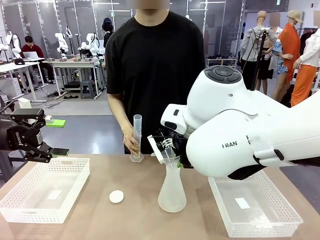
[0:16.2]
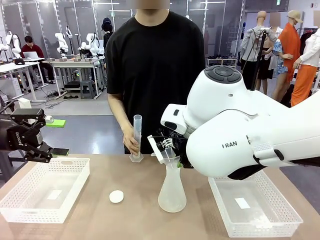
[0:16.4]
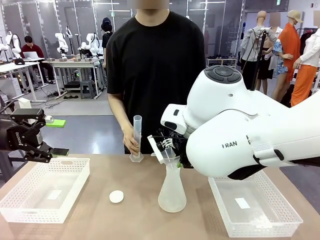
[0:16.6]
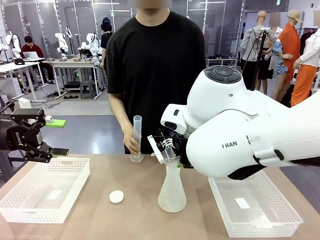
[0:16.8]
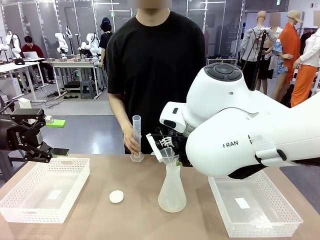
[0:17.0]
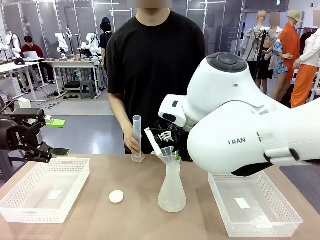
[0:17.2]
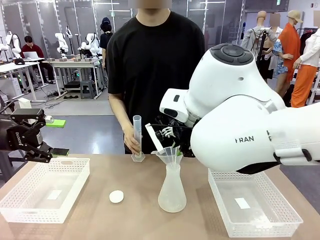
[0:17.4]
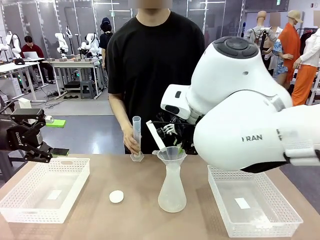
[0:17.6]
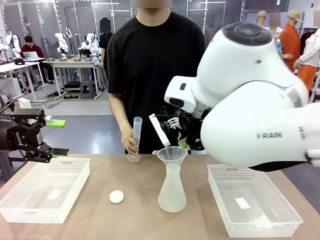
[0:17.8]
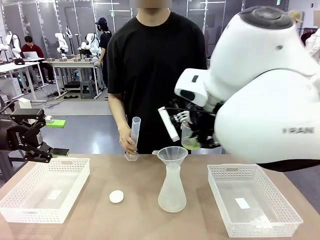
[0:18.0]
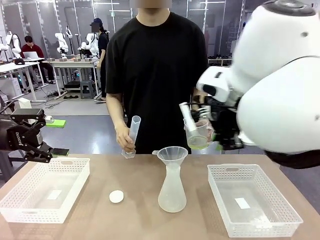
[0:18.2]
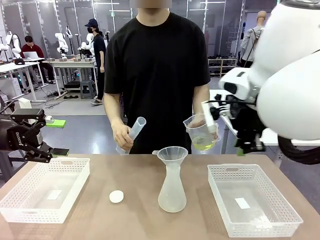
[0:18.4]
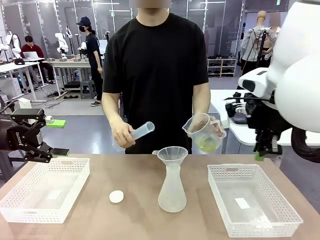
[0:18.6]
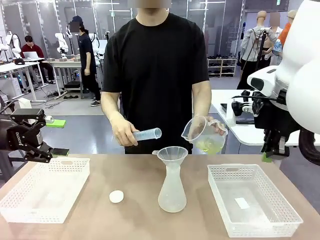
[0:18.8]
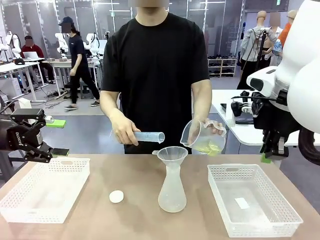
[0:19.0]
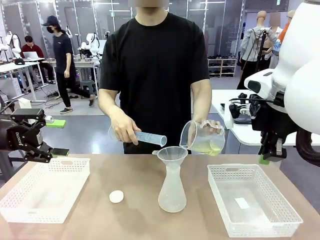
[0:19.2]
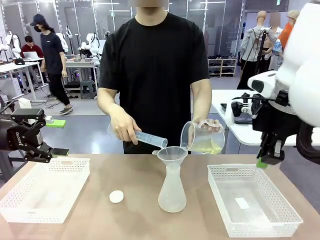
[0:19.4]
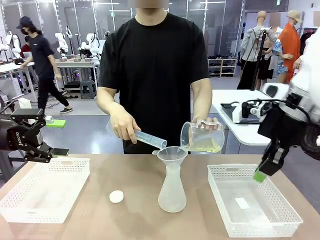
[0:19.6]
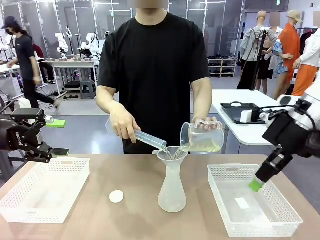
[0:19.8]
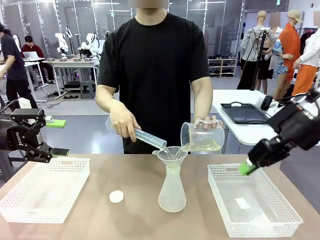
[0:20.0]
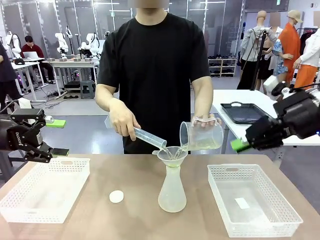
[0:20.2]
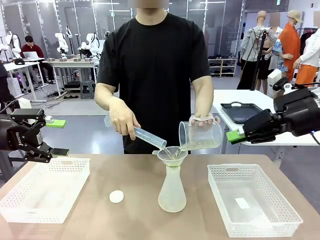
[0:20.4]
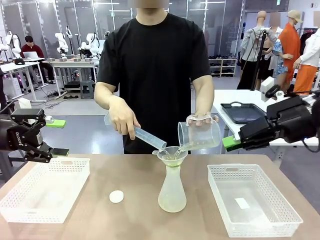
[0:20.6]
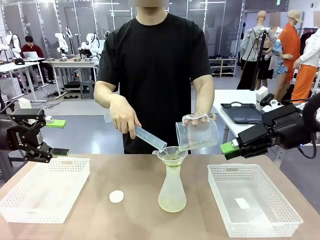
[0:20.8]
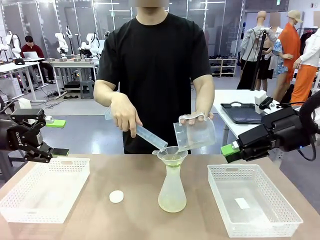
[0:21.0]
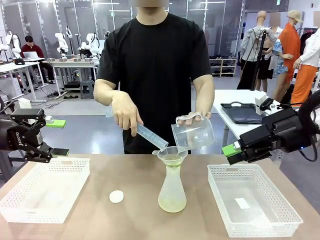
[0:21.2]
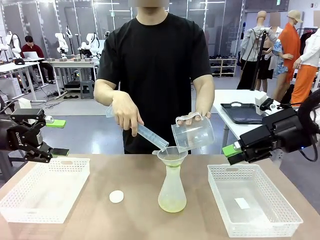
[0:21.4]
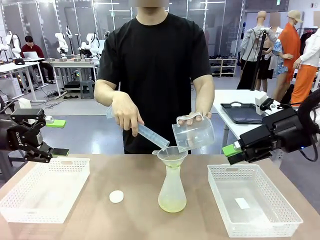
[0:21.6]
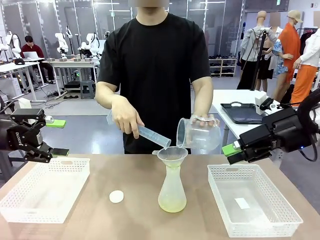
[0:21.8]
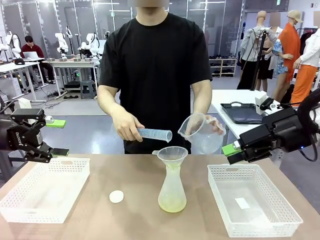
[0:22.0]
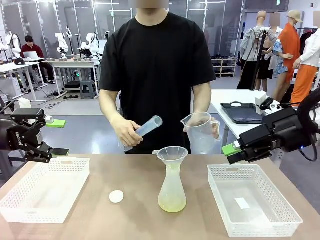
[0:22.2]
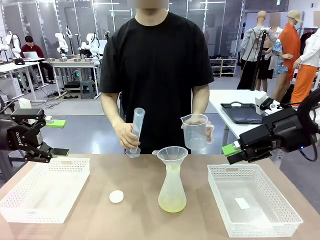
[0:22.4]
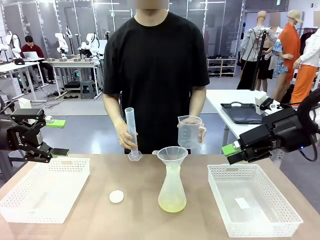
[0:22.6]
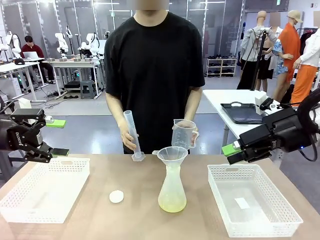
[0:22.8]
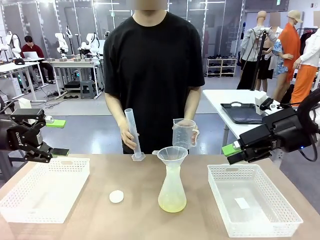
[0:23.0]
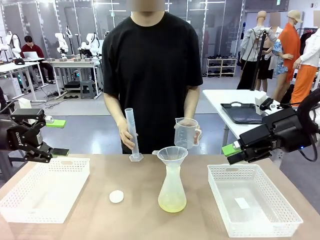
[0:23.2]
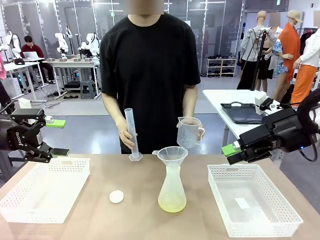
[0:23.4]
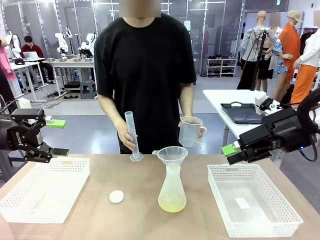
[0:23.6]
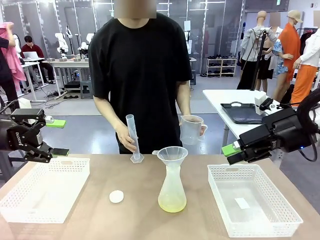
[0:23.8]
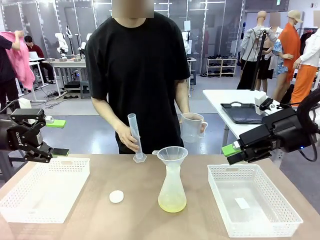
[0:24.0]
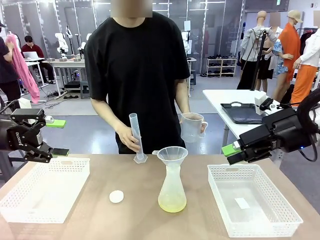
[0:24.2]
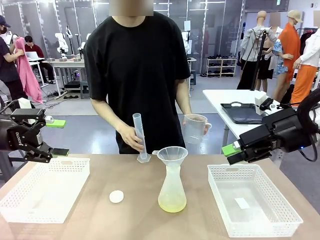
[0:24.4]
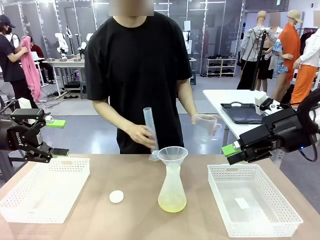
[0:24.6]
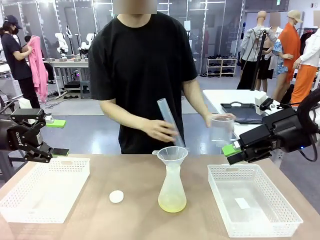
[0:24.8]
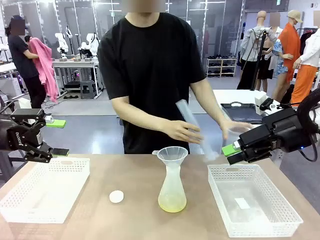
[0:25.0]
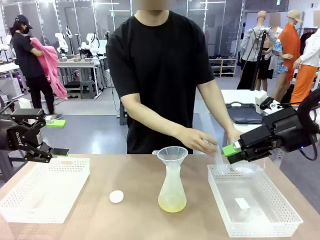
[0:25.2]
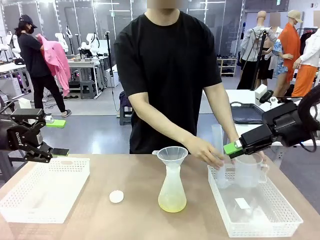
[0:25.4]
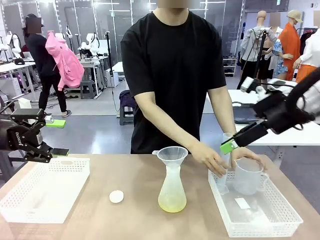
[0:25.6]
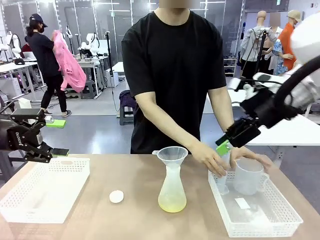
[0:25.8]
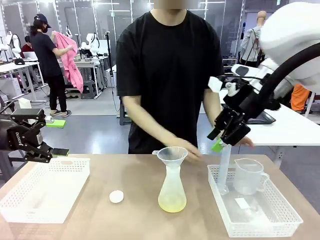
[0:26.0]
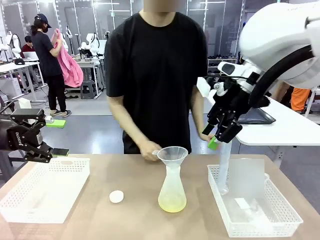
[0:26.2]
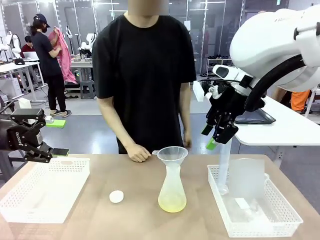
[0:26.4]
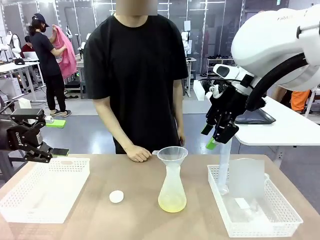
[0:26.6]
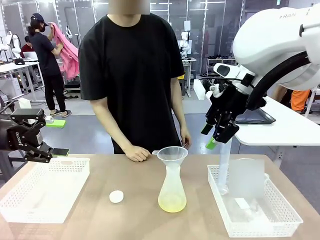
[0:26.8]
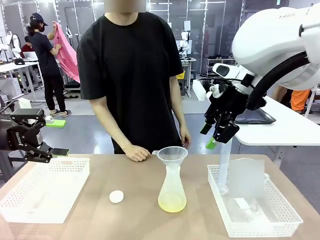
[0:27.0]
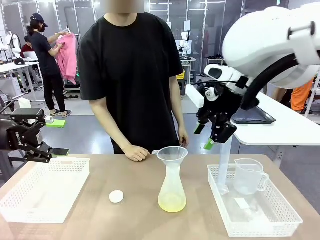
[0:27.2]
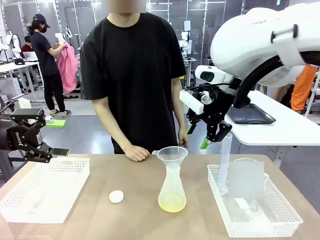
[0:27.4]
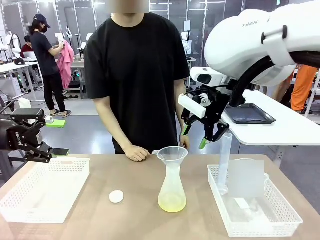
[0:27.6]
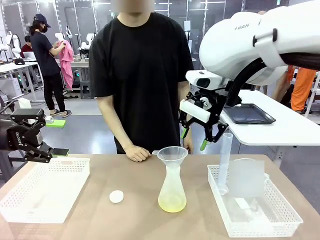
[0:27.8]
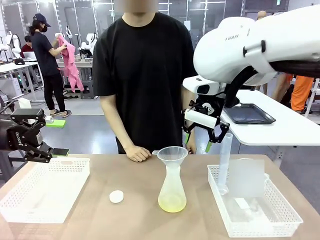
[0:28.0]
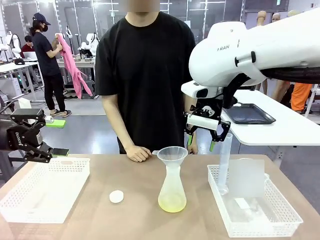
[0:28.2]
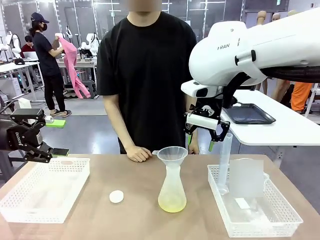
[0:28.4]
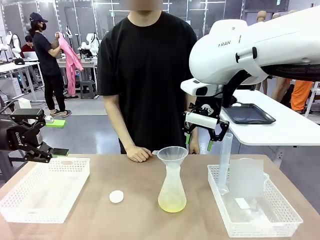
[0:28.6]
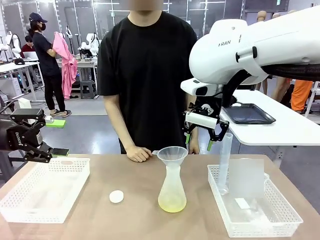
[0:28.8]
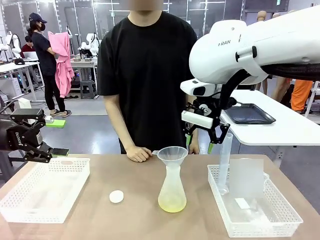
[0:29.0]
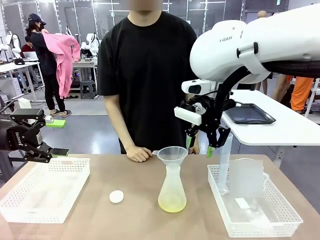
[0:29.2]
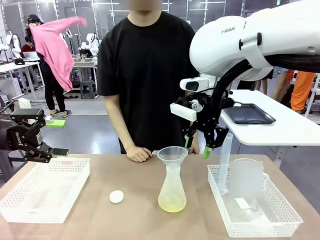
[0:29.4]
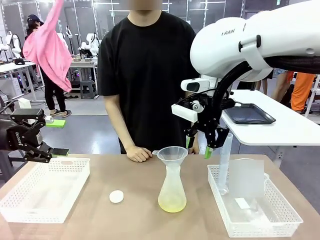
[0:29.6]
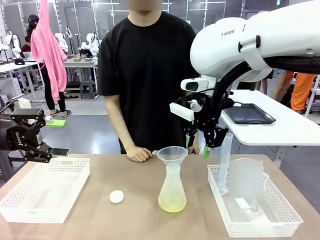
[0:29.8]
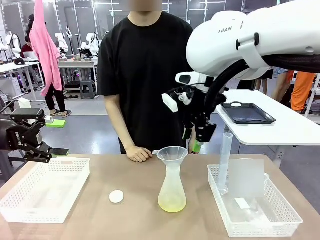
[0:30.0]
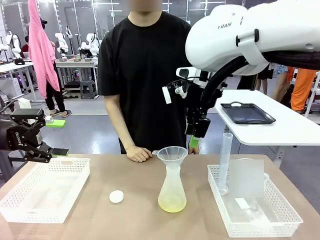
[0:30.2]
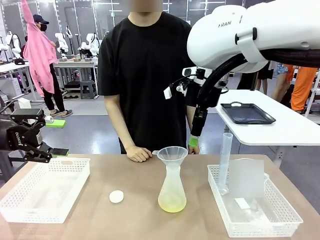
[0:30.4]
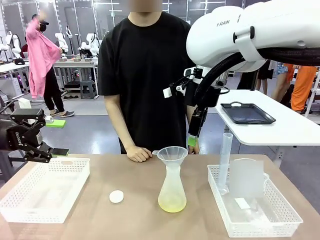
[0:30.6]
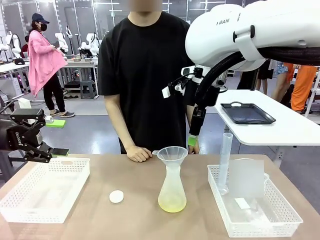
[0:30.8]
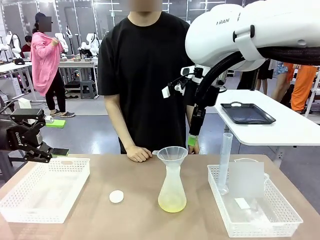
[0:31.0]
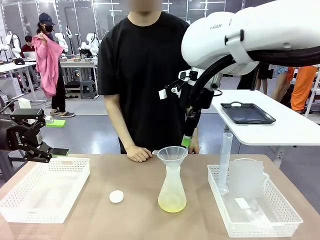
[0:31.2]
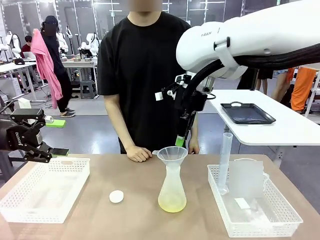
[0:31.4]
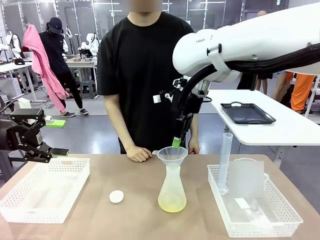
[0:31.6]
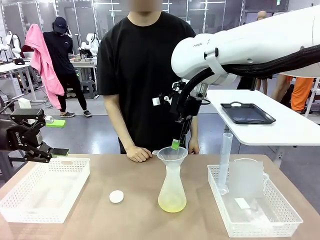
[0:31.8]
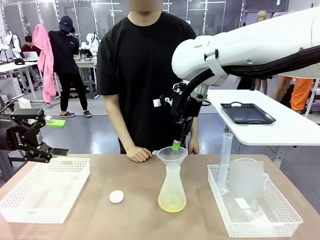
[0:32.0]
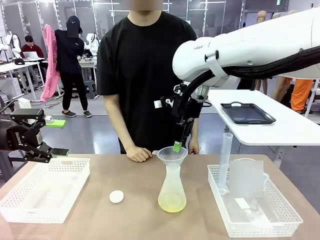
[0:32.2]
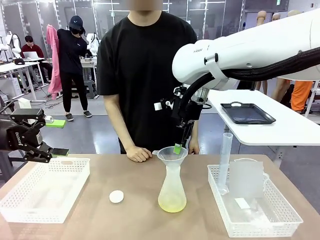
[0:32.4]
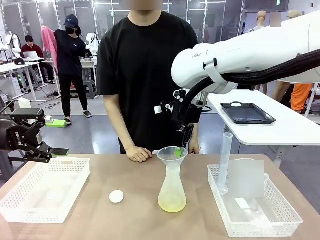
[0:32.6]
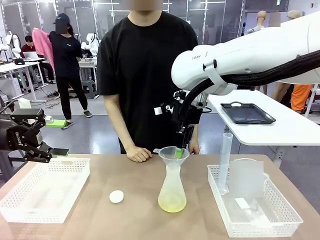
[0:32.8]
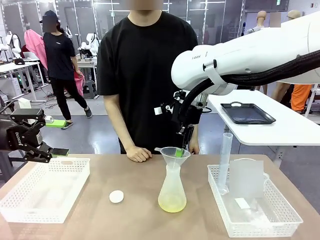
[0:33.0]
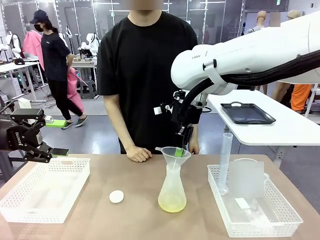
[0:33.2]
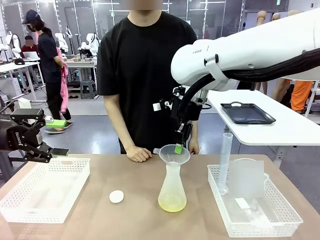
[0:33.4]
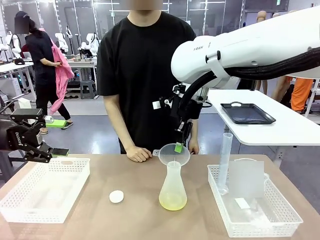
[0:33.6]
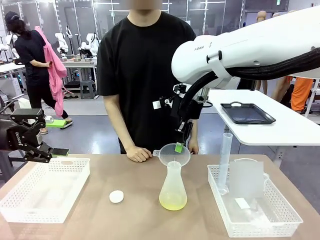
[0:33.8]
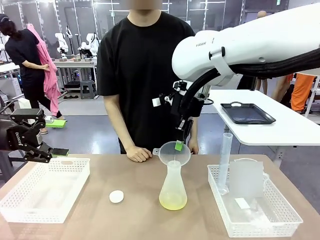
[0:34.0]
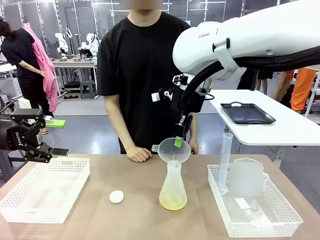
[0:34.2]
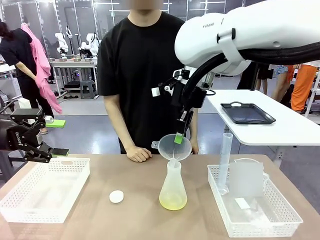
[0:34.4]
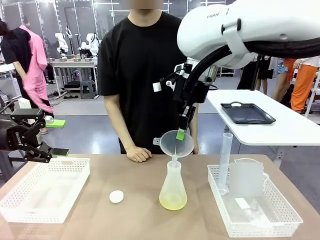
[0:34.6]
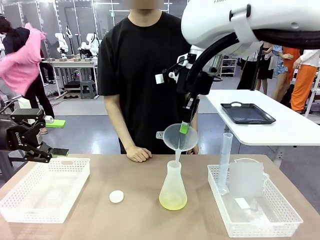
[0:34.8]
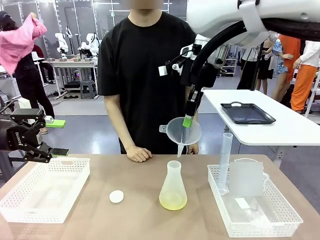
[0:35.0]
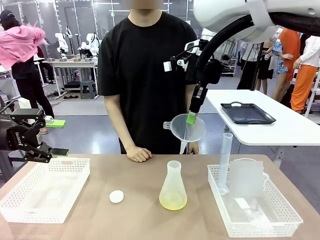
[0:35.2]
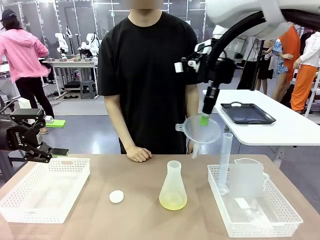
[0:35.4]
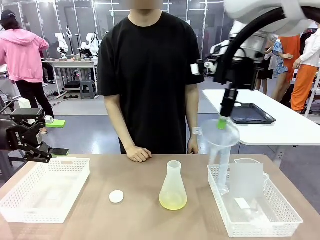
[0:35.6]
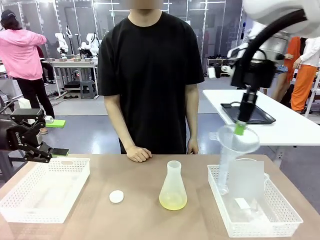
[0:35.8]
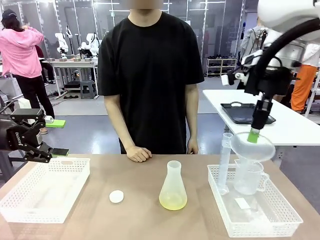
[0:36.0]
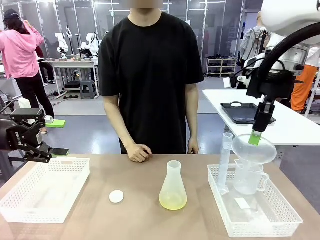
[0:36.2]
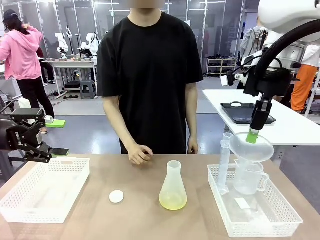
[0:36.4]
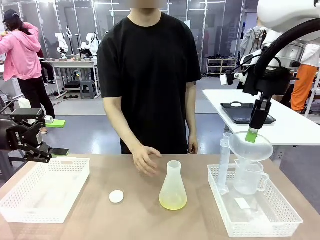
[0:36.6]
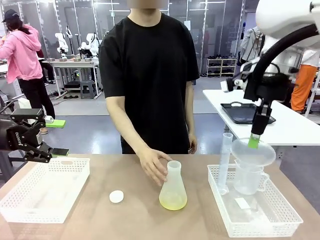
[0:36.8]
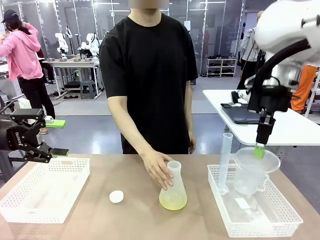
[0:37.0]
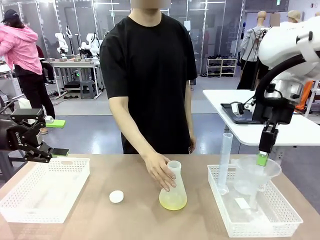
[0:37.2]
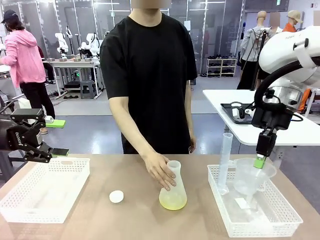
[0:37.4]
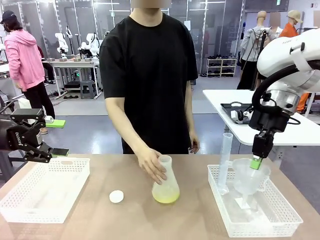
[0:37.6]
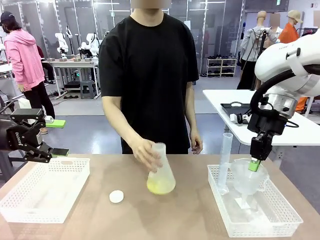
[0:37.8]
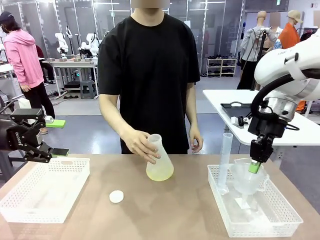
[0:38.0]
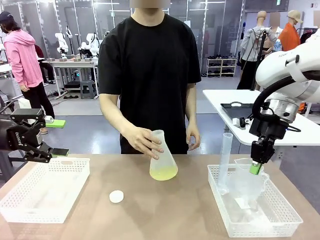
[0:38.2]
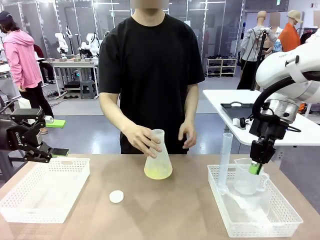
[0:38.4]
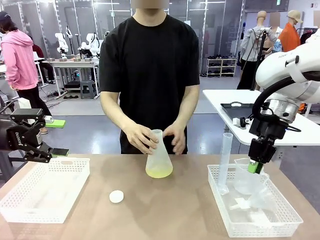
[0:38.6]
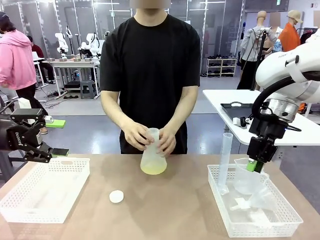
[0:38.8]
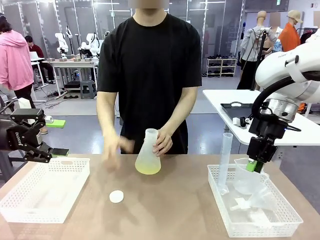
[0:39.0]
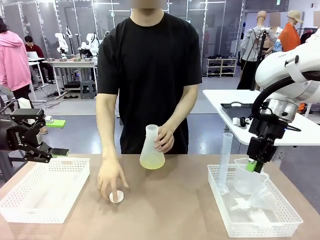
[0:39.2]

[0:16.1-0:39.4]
Task: Prepare the solutions needed for the experiment.
Robot: Once the solution is in the Big flask , pick up the Plastic Funnel and place it back into the right Organizing basket.
Person: Place the beaker and the cylinder into the organizing basket on the left side. Pick up the flask, gently shake it 2–3 times, place it in the middle of the robot table, and close the lid.
